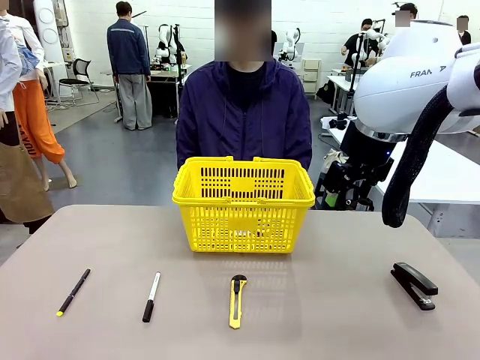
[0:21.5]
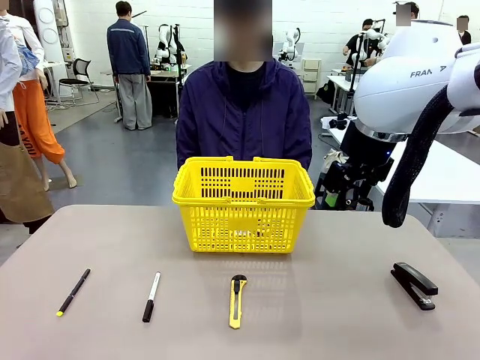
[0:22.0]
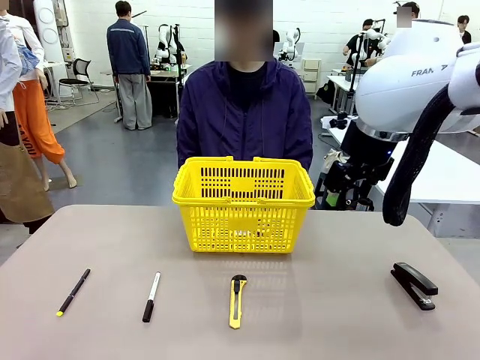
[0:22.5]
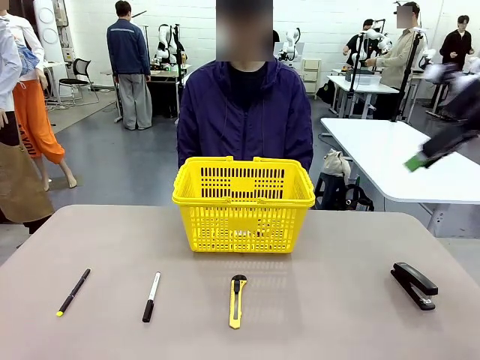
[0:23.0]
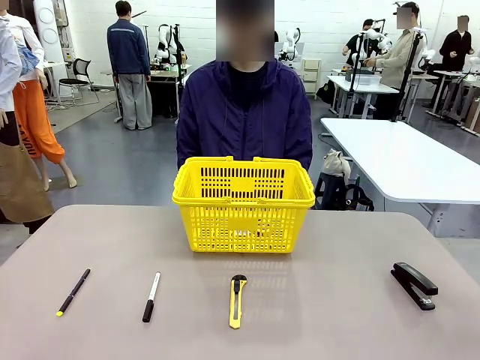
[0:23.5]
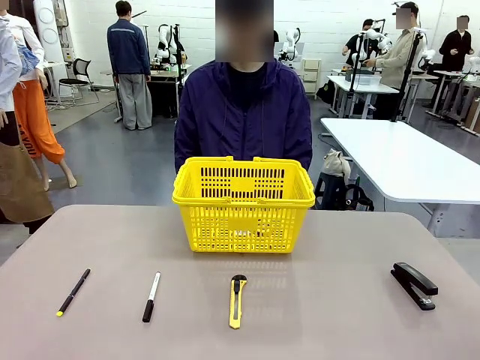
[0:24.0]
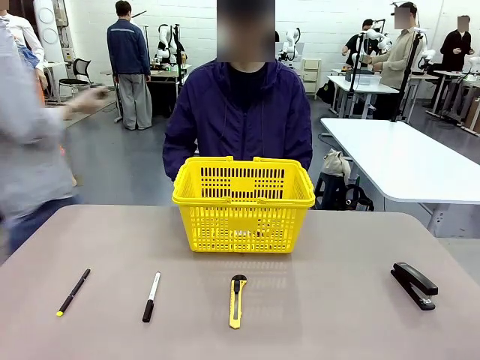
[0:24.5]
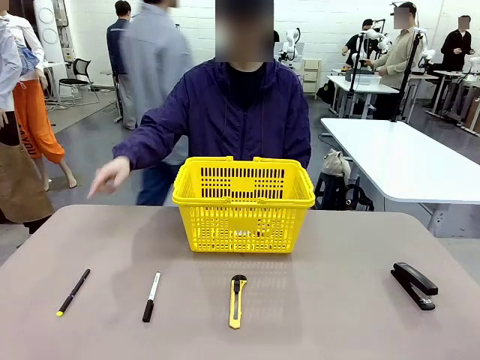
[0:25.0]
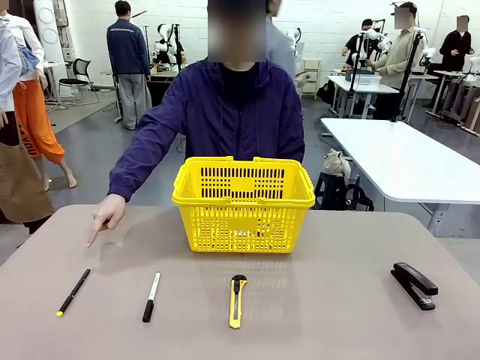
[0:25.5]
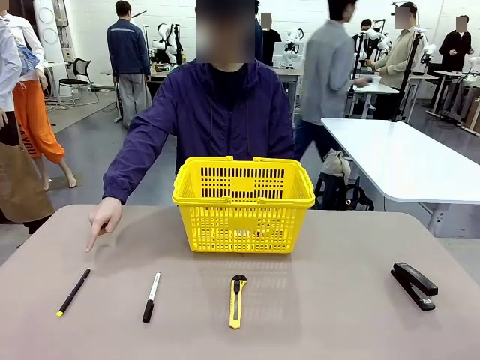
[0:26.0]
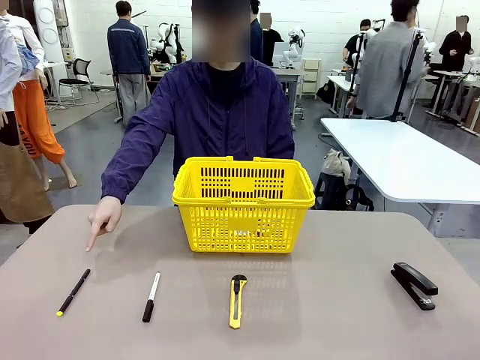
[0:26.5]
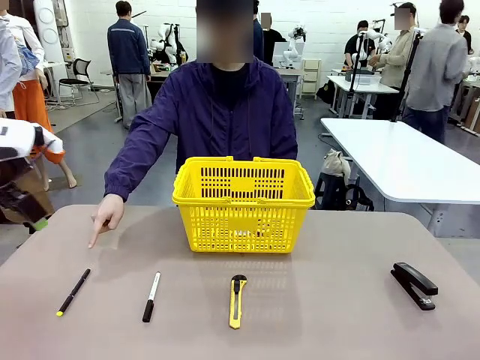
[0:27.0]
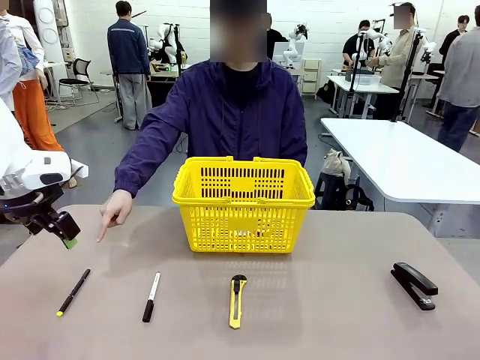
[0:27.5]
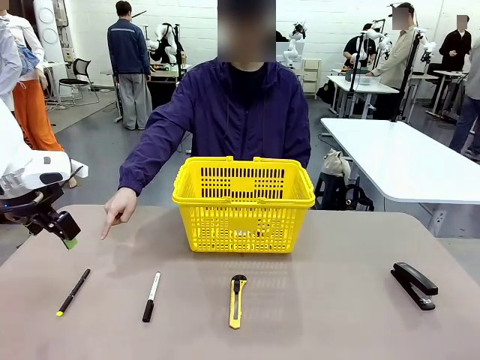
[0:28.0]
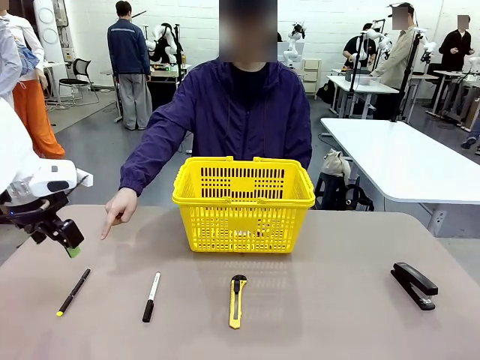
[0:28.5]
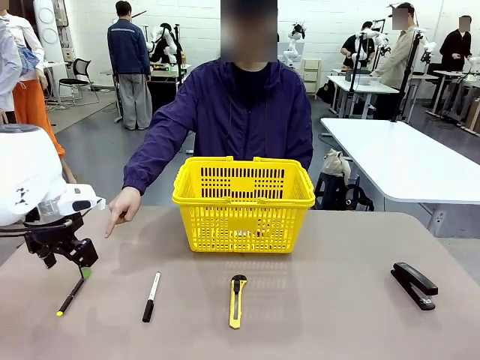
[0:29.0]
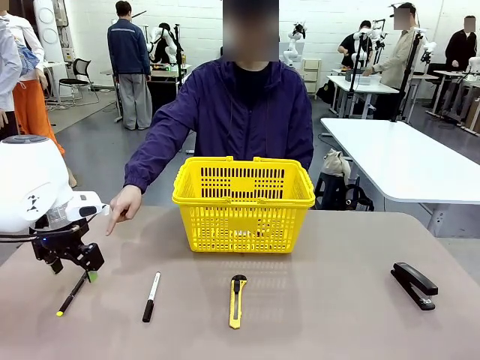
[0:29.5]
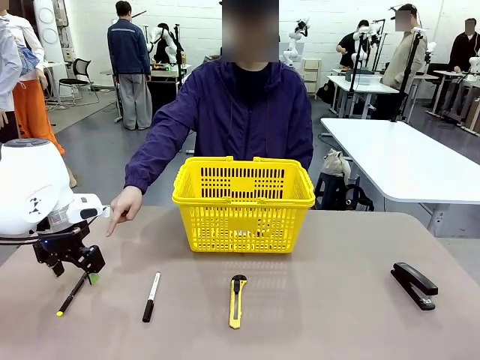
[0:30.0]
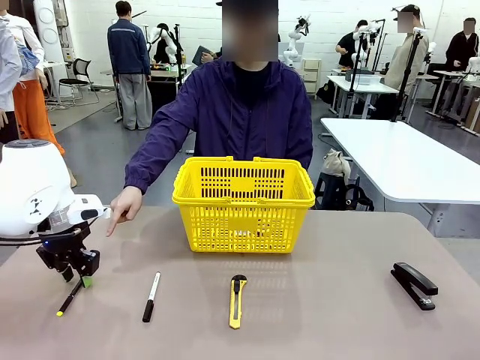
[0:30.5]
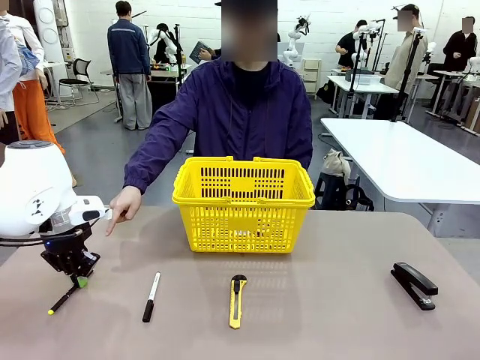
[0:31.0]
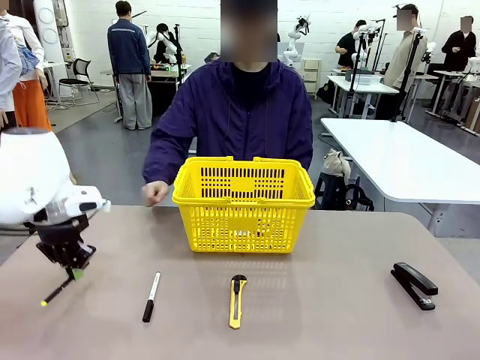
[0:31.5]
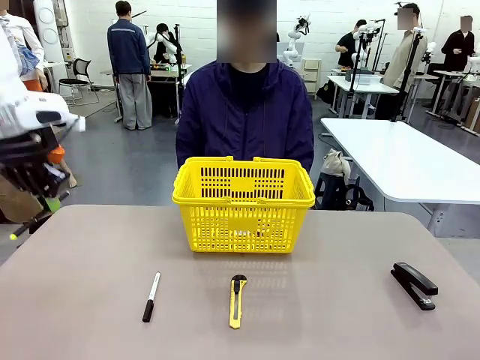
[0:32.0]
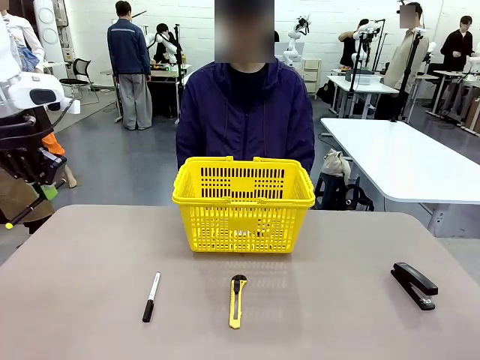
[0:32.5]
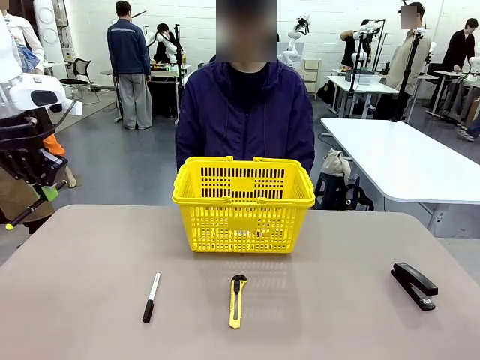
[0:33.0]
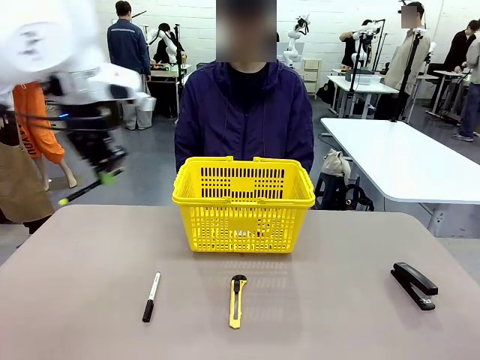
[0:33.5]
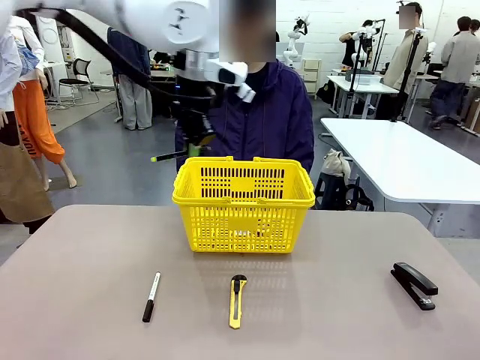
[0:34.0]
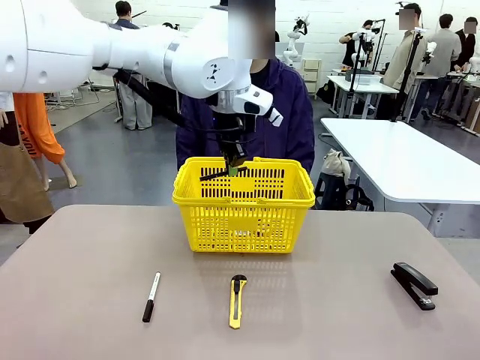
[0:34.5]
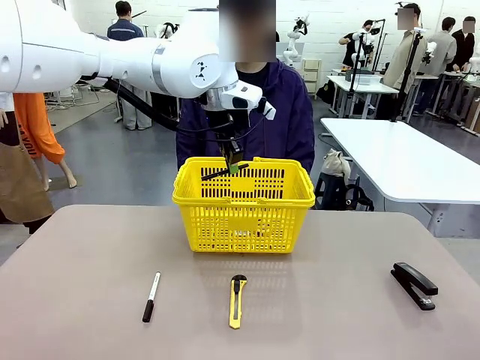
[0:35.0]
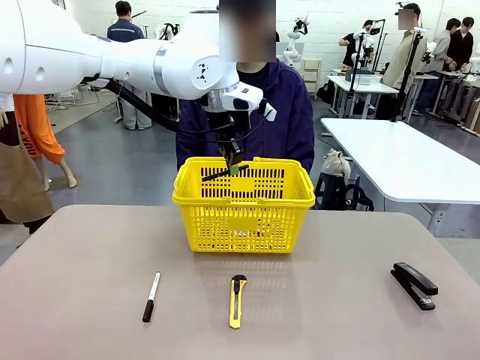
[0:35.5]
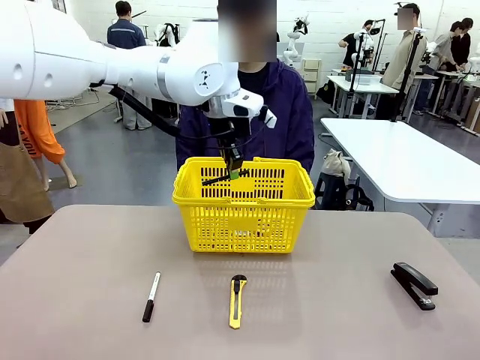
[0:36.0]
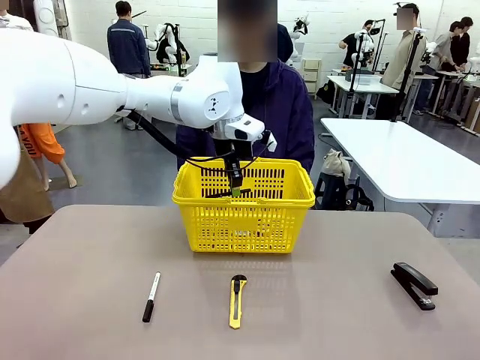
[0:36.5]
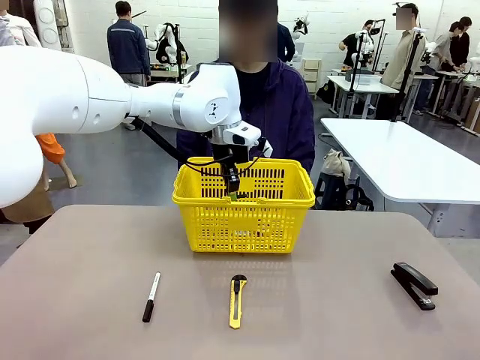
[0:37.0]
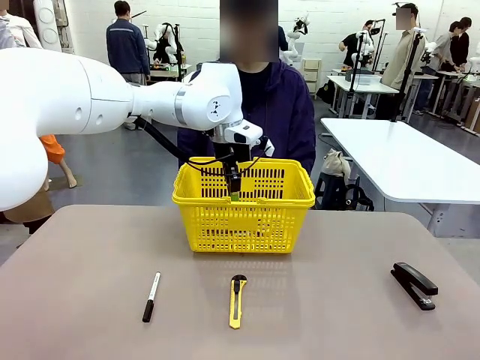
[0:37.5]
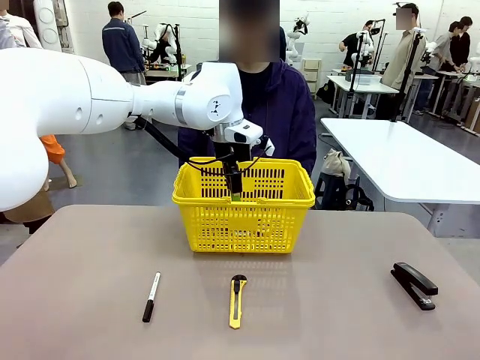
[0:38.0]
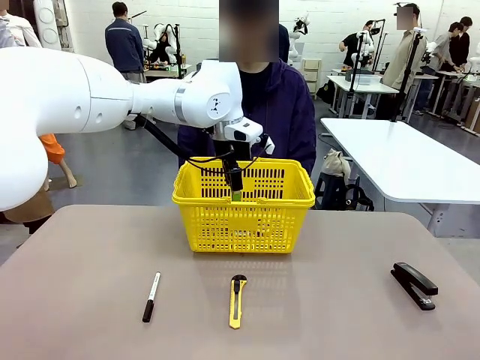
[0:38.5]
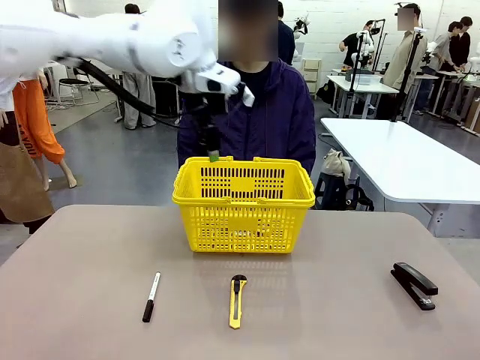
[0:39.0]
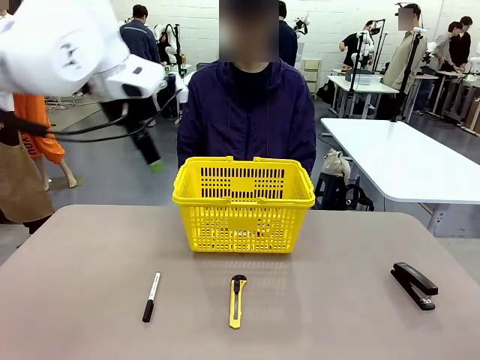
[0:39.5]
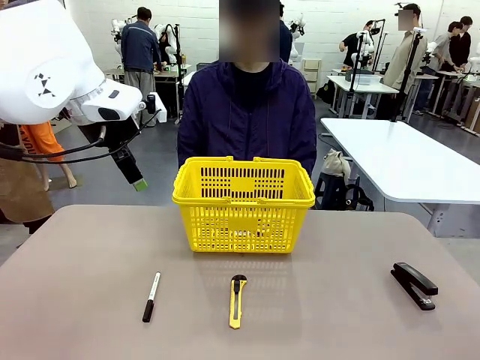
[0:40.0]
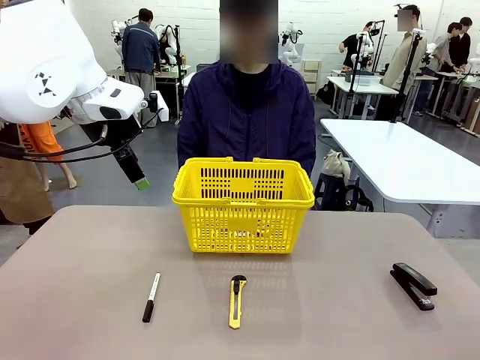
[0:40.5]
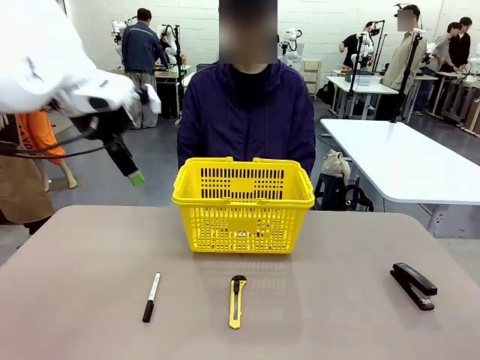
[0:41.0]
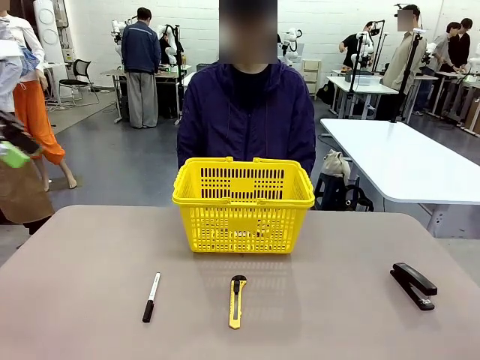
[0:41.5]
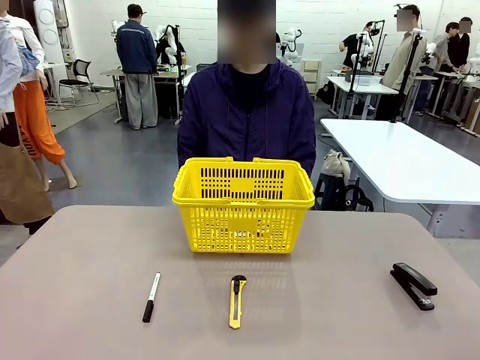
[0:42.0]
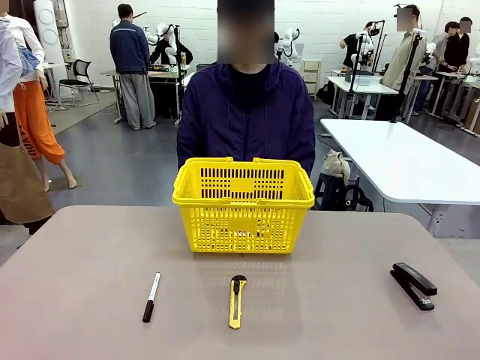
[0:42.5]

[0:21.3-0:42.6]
Task: Place the items the person wants into the basket.
Robot: Pick up the item the person points to and place it in the Market Basket.

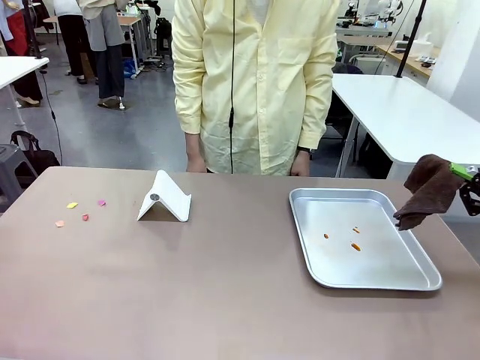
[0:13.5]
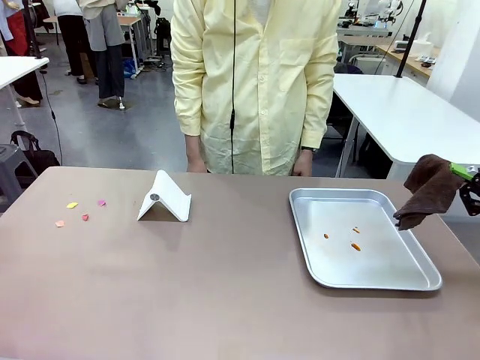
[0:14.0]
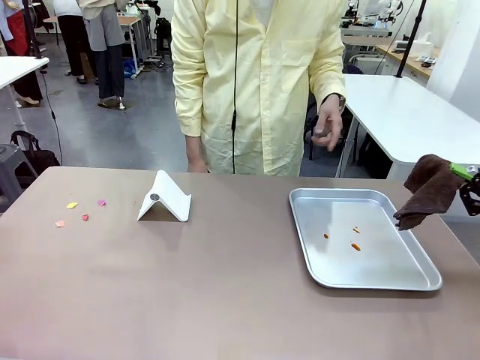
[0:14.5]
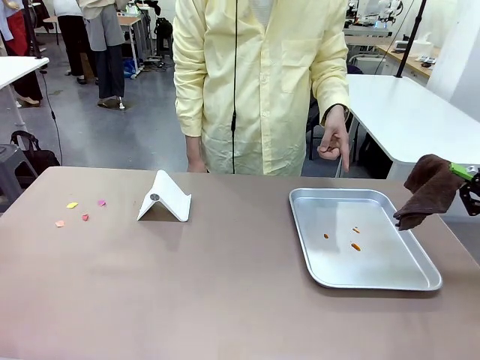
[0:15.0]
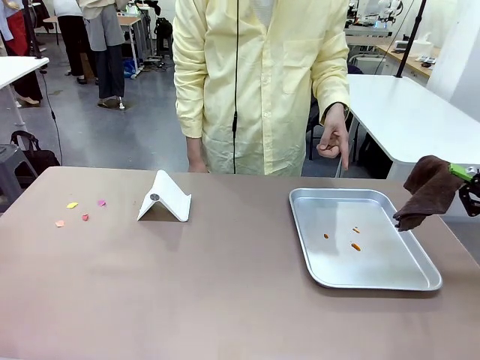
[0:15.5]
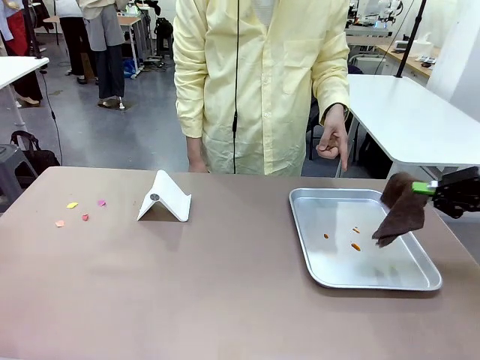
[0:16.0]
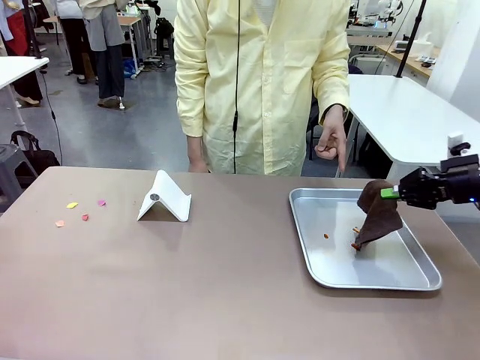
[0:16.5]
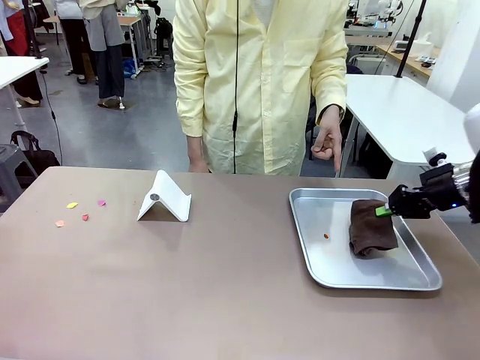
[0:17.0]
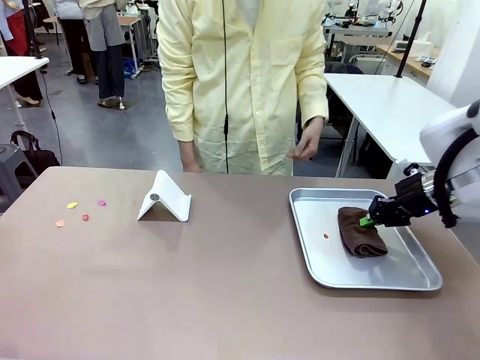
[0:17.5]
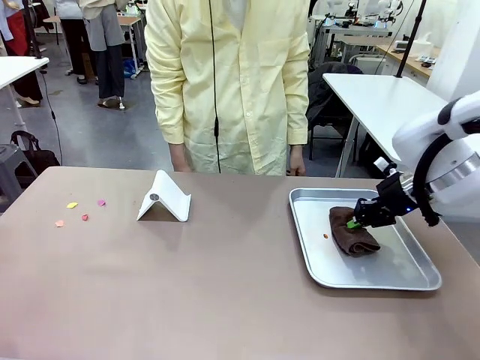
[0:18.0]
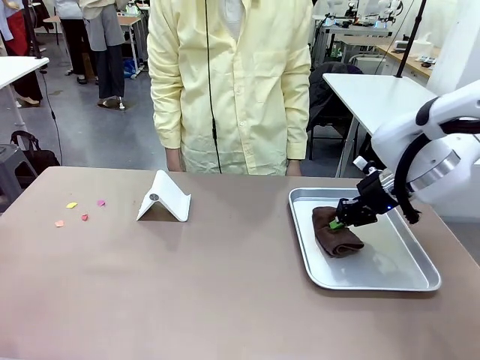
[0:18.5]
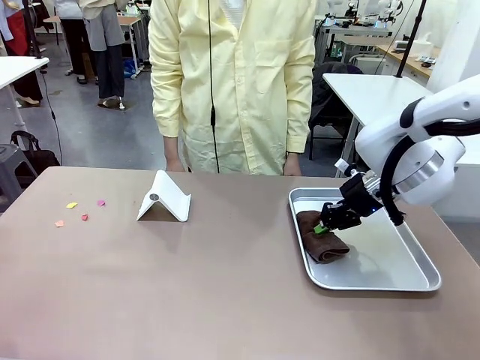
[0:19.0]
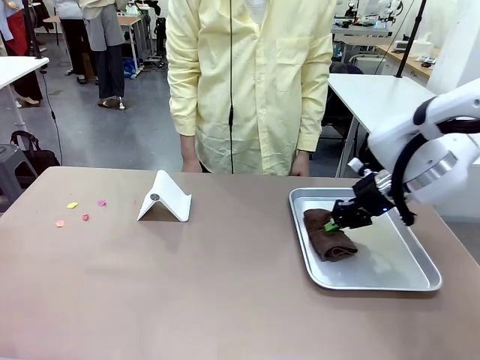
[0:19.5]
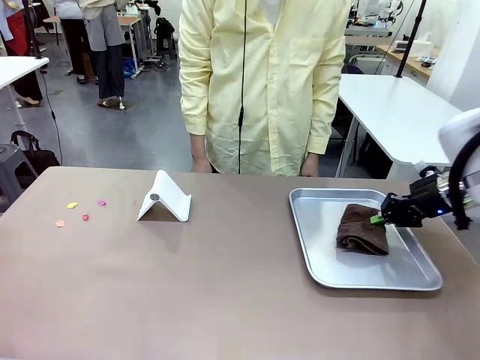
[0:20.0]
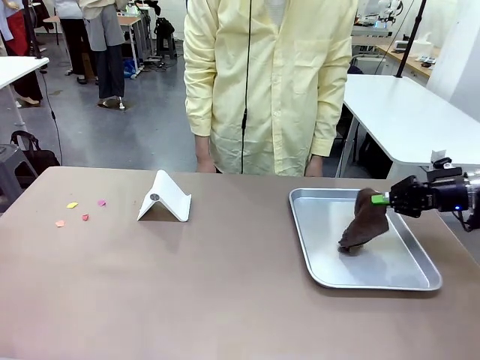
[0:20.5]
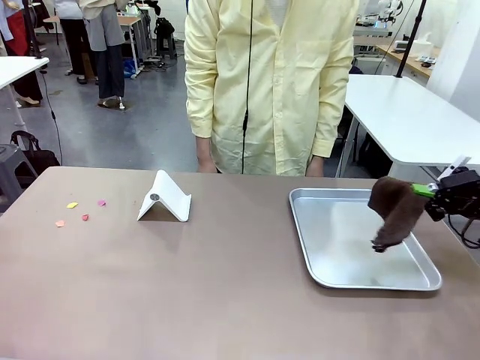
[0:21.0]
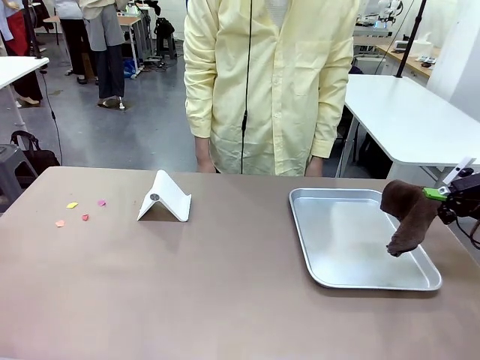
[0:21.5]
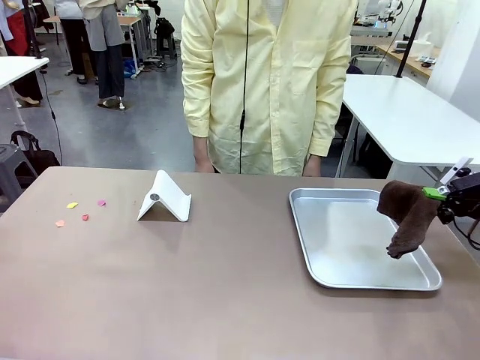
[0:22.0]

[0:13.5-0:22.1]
Task: Clean the surface of the table.
Robot: If a person points to the right, clean the right side of the table with your right hand, and if they point to the left, clean the left side with your left hand.
